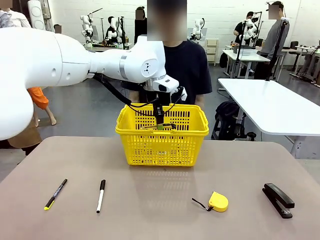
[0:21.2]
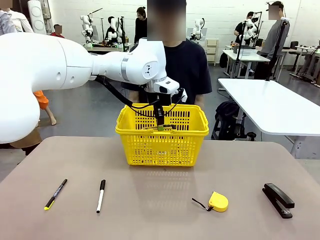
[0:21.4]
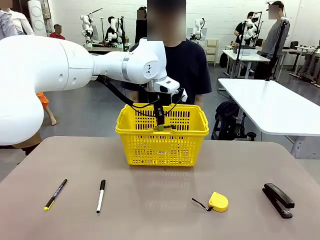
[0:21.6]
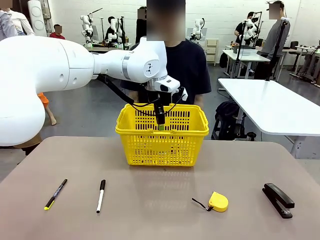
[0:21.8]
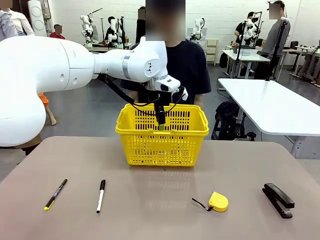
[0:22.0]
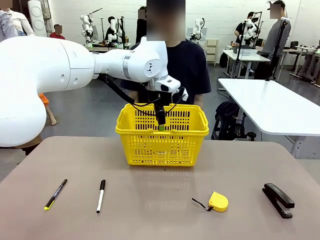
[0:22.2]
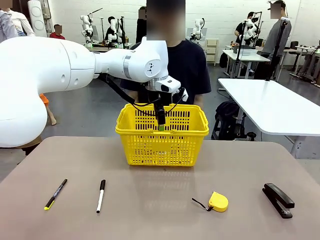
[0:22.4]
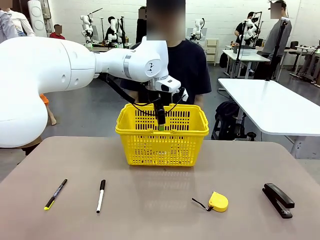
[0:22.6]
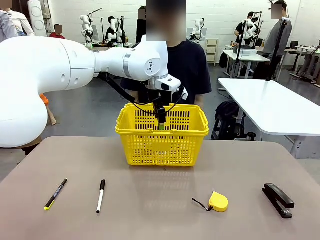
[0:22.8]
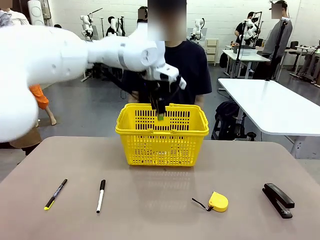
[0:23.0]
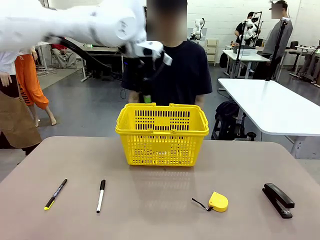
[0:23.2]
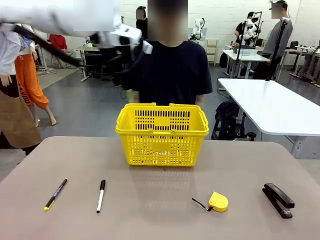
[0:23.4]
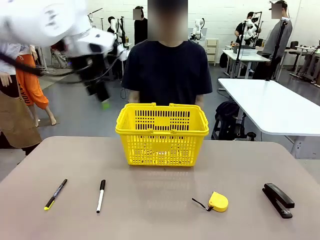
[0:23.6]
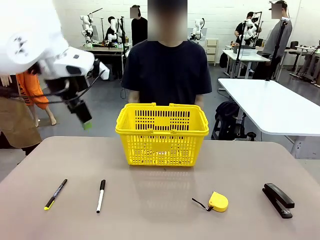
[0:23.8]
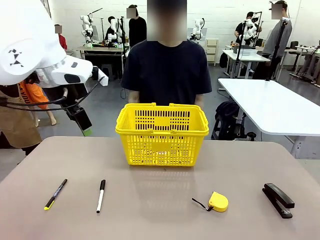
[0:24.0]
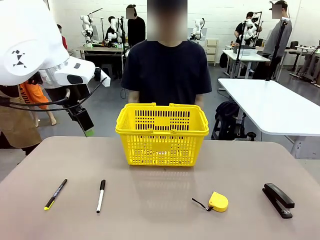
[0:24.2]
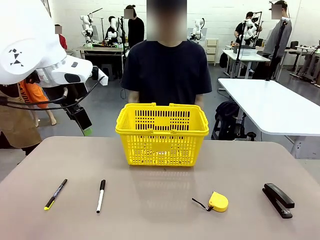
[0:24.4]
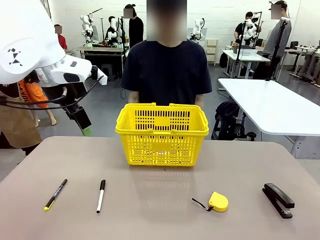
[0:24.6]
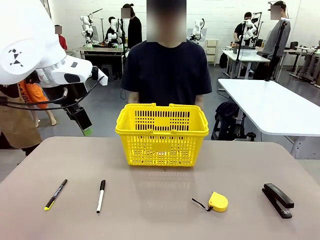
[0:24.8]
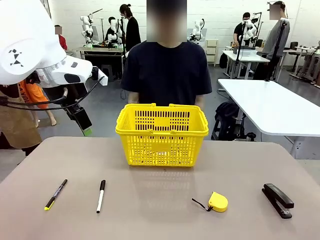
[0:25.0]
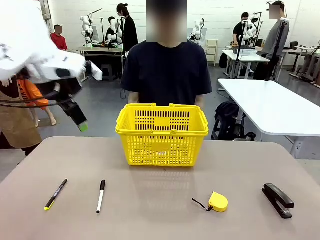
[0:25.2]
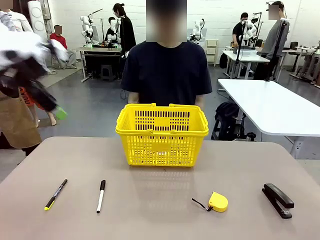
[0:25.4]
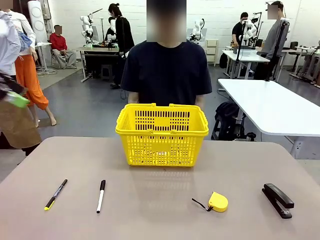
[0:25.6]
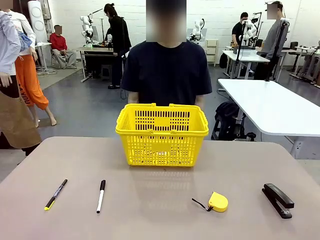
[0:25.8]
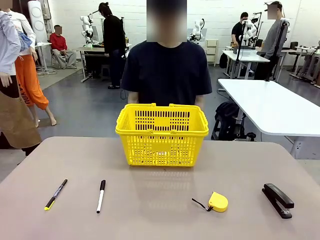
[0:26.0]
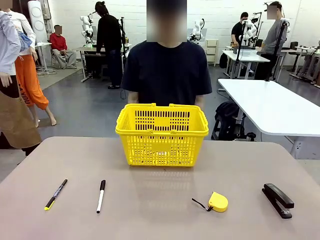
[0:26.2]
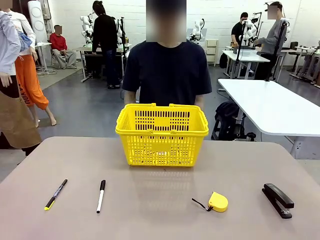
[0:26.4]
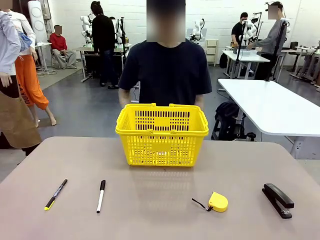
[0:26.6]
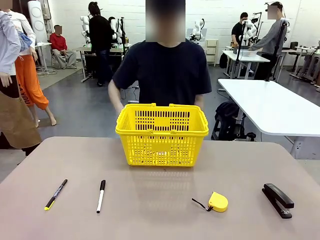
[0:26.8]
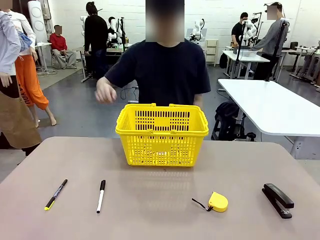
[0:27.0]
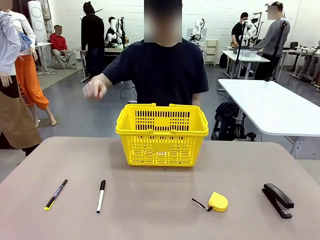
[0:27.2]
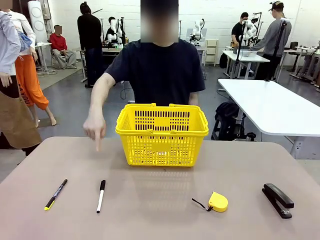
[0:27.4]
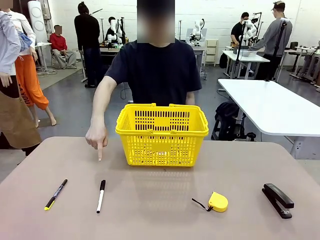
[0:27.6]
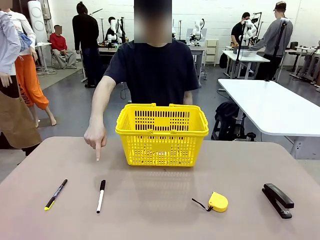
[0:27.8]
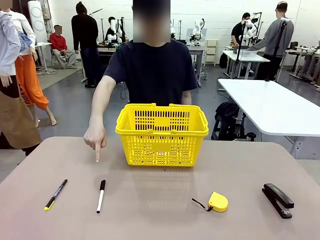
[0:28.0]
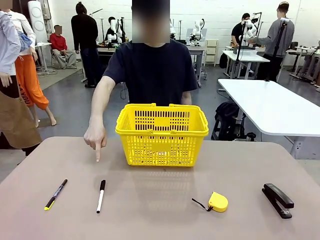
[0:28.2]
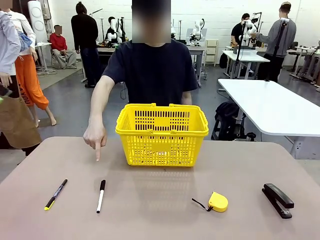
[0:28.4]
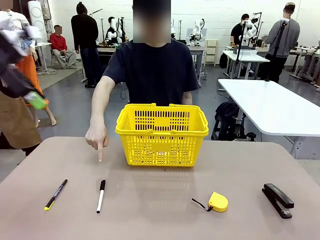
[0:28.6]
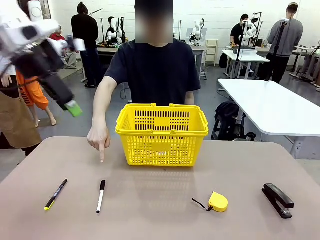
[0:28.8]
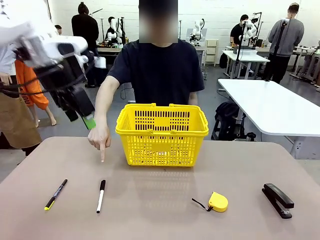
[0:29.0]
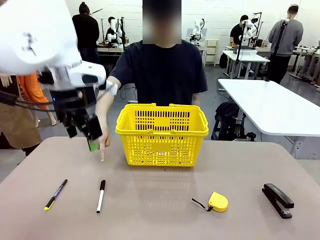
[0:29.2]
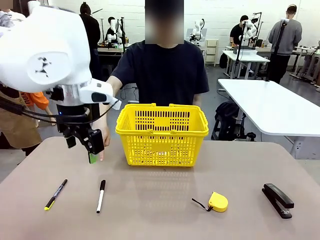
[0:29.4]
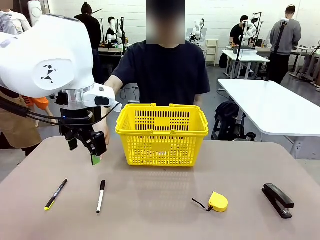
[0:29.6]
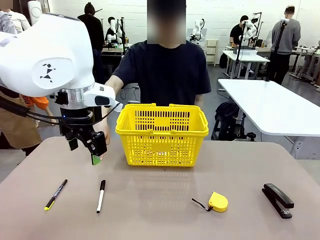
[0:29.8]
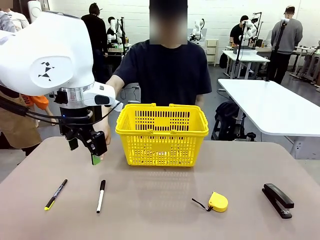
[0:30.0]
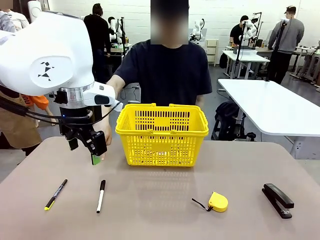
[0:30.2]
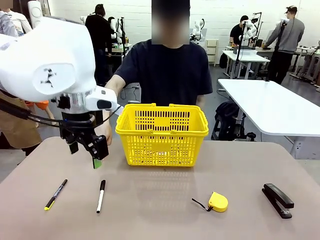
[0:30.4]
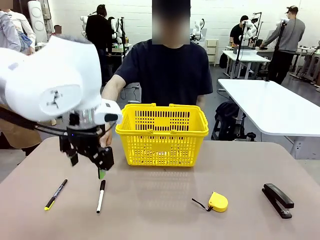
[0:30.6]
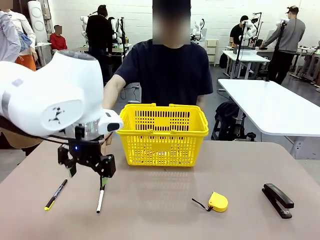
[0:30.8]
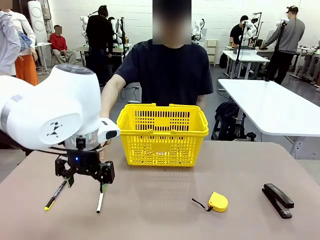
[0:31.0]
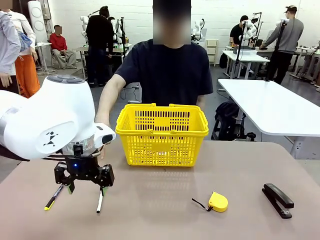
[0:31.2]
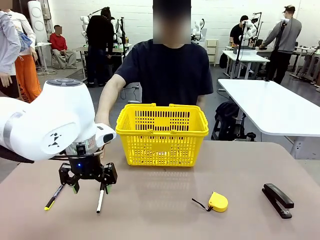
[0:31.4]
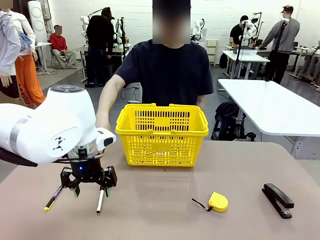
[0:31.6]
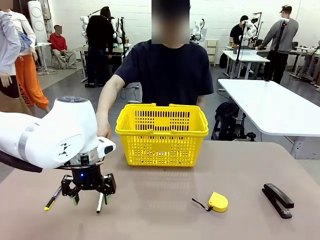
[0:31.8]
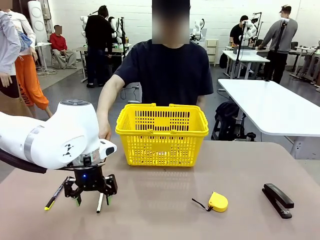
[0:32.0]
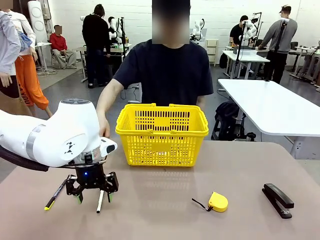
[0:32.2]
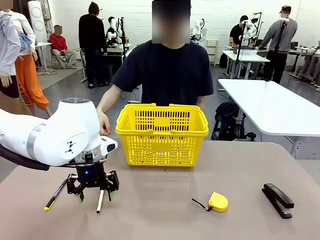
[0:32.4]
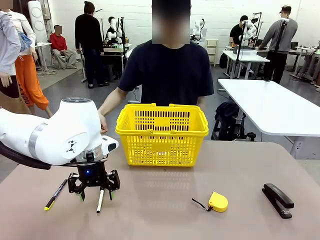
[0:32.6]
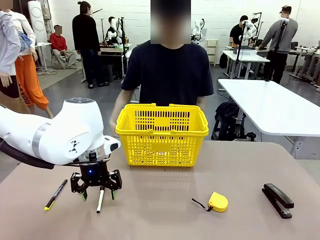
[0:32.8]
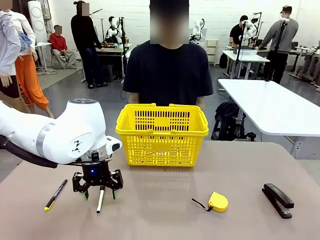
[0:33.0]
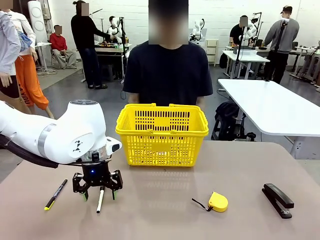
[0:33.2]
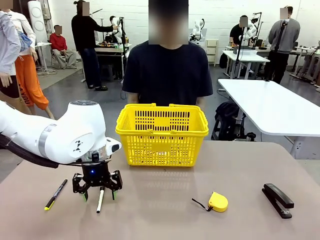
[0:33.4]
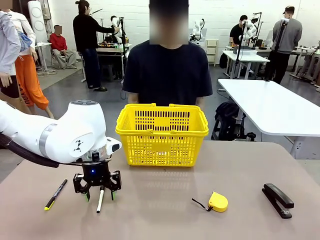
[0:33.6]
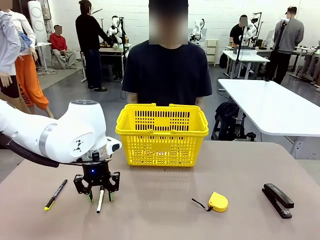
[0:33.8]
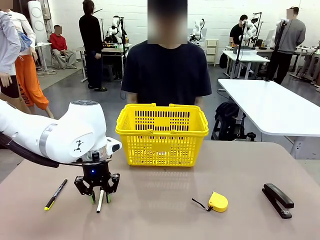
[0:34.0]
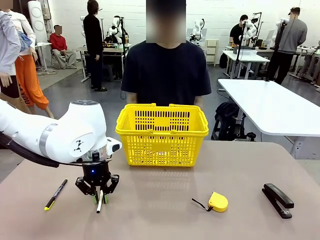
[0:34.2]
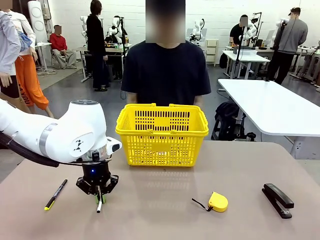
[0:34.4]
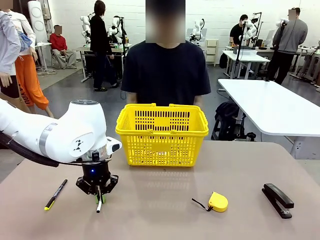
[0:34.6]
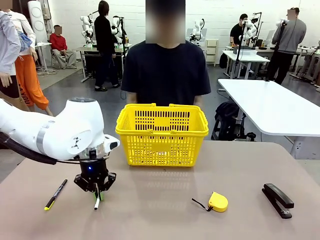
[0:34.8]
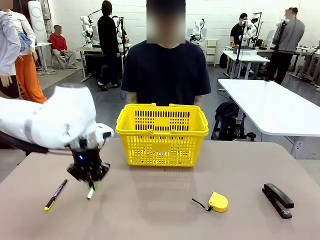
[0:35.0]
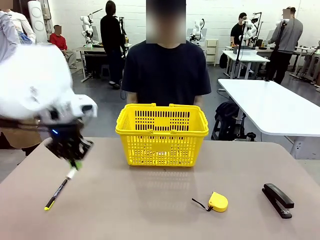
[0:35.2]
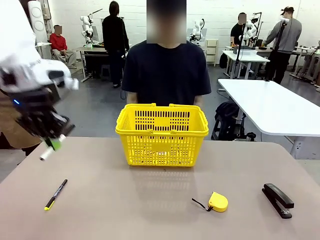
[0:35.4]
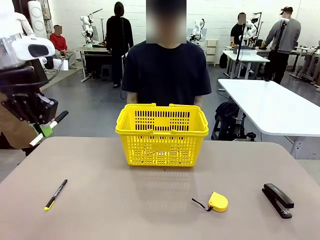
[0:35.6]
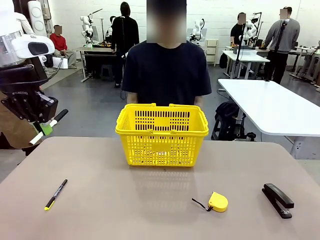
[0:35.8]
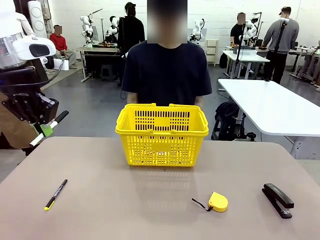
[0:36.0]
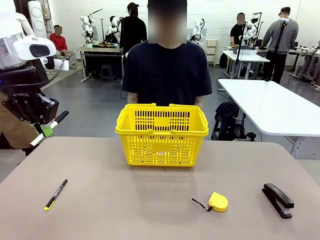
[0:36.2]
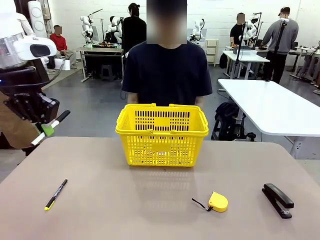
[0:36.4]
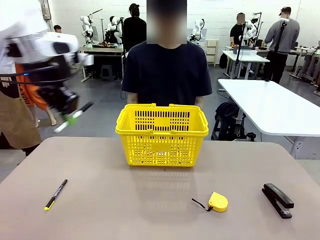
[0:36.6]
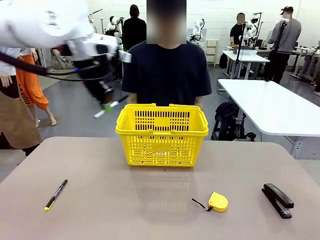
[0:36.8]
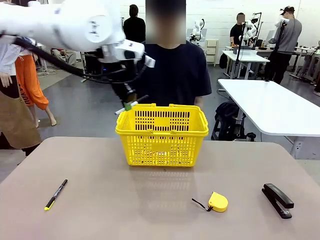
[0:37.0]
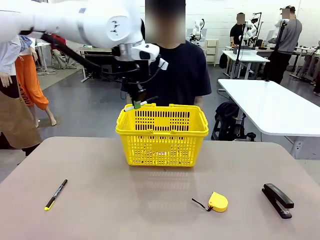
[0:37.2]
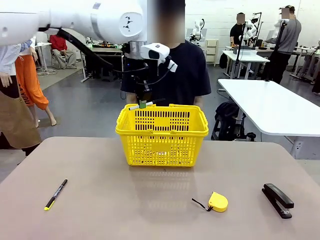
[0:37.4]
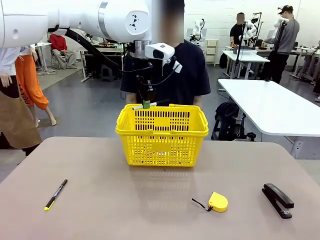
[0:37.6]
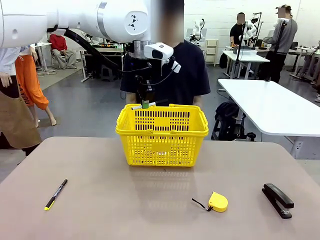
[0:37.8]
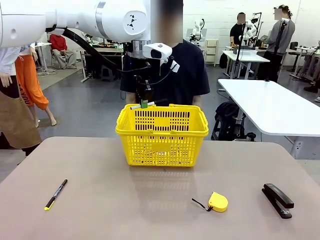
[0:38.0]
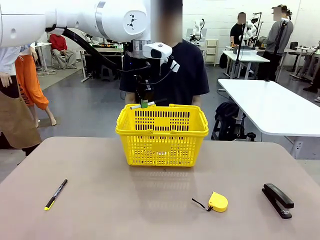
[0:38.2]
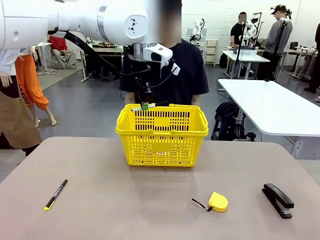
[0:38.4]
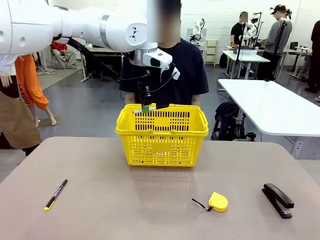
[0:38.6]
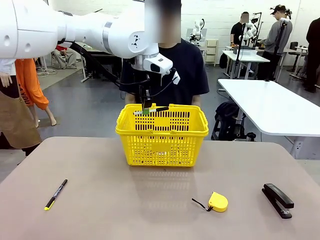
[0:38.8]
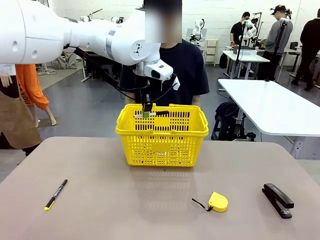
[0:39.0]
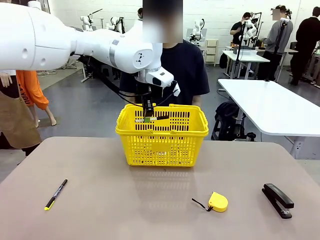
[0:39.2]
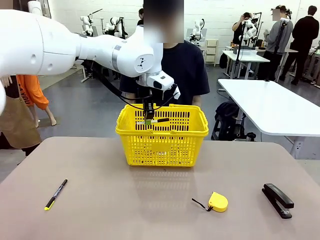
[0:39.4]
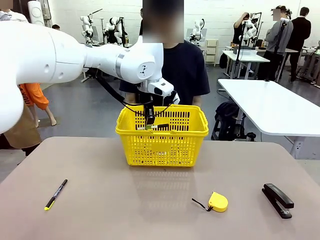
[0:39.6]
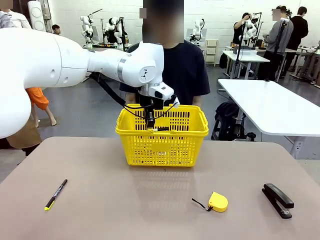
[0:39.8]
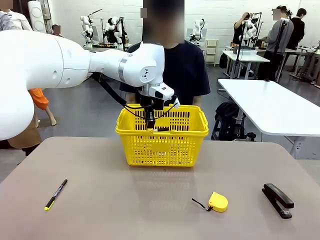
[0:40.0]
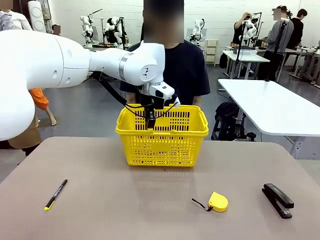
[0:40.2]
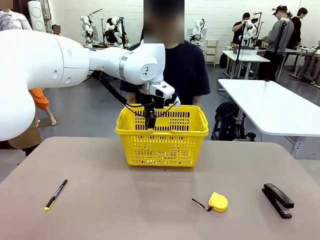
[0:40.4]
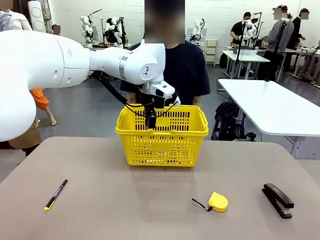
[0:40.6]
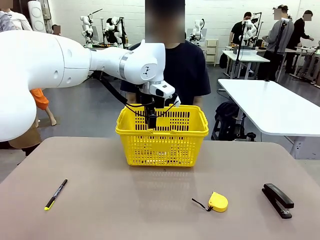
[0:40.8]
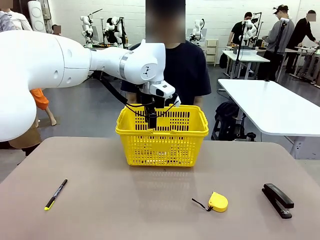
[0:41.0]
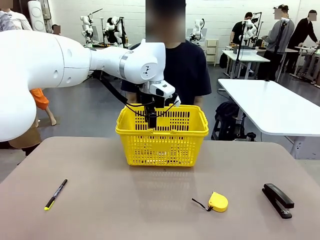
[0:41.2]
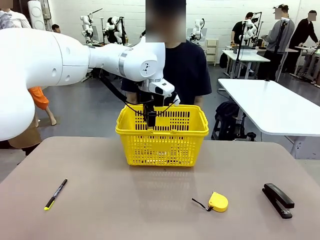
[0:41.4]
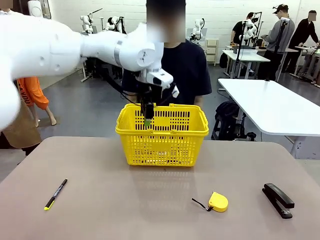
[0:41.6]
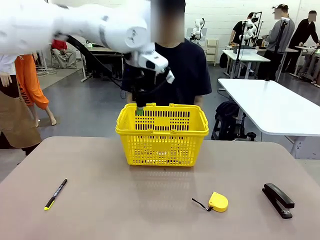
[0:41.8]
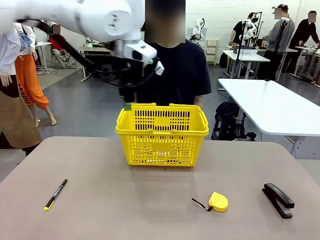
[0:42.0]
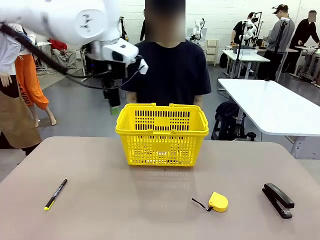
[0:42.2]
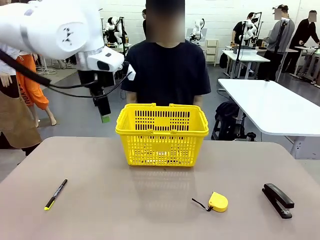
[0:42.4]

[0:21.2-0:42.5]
Task: Place the items the person wants into the basket.
Robot: Pick up the item the person points to and place it in the Market Basket.
